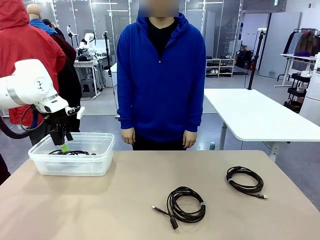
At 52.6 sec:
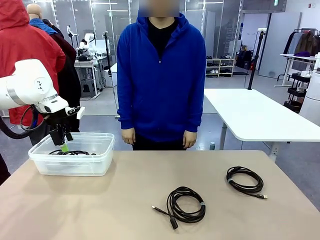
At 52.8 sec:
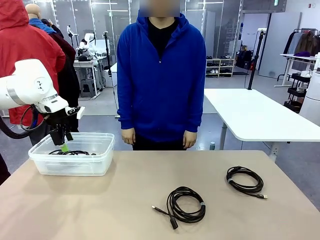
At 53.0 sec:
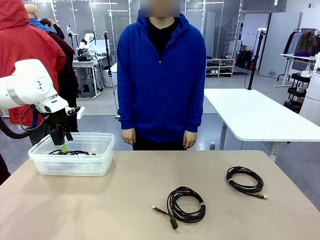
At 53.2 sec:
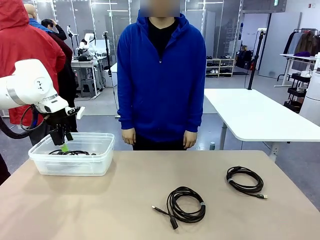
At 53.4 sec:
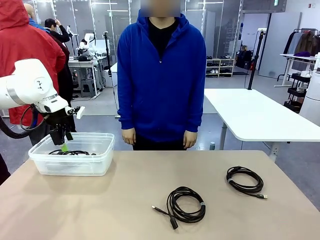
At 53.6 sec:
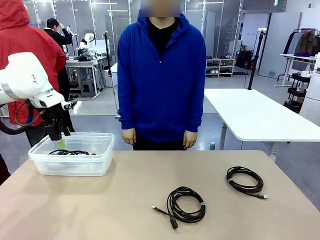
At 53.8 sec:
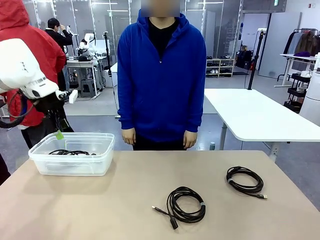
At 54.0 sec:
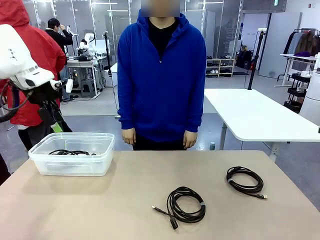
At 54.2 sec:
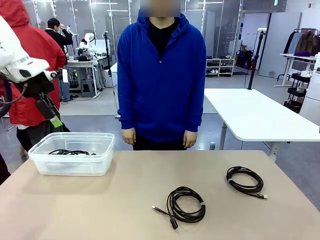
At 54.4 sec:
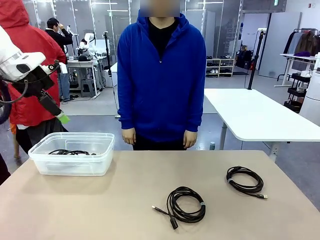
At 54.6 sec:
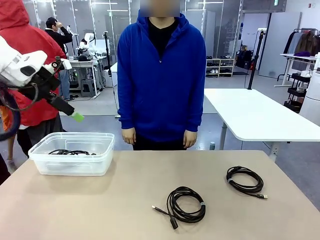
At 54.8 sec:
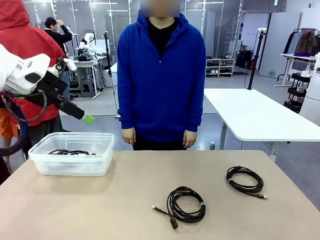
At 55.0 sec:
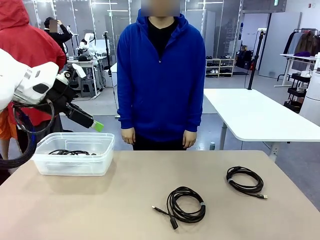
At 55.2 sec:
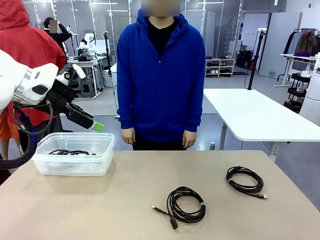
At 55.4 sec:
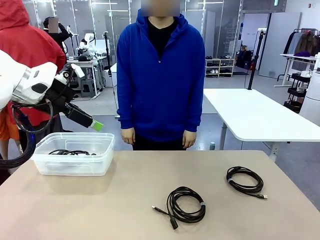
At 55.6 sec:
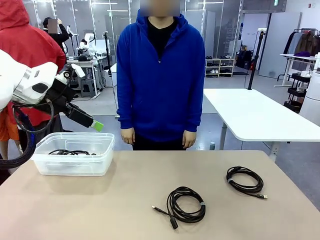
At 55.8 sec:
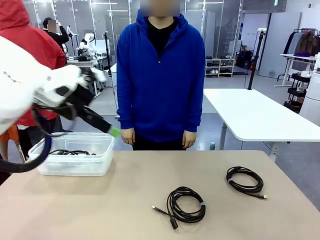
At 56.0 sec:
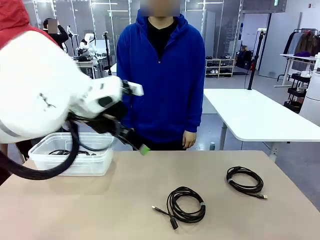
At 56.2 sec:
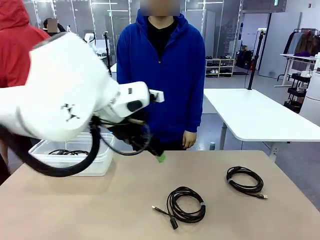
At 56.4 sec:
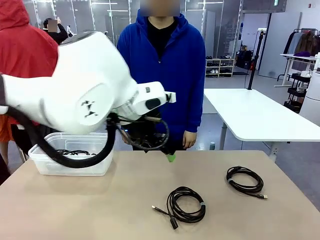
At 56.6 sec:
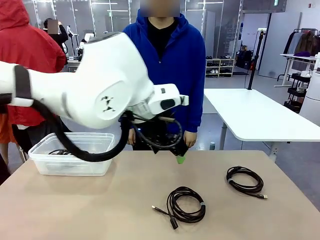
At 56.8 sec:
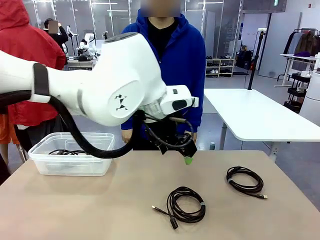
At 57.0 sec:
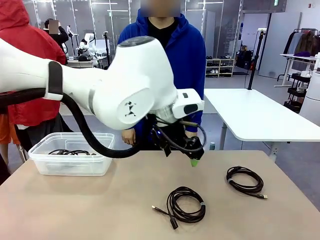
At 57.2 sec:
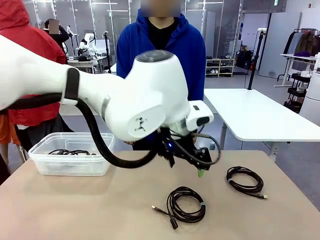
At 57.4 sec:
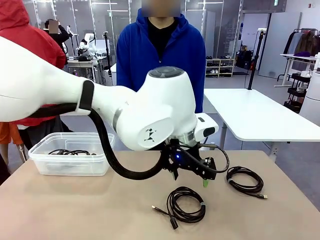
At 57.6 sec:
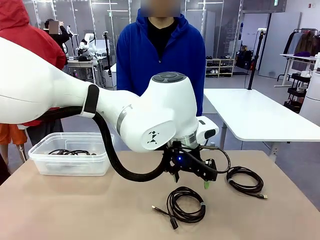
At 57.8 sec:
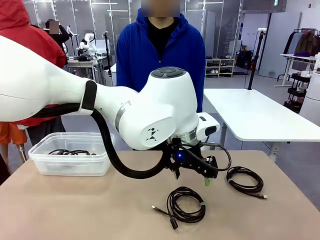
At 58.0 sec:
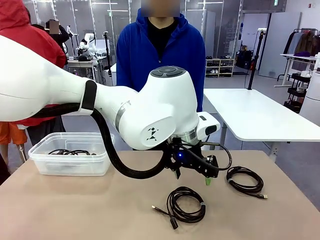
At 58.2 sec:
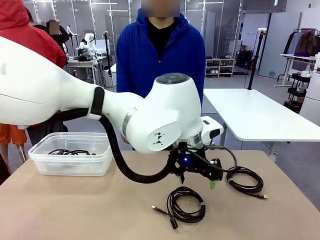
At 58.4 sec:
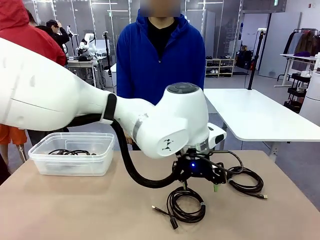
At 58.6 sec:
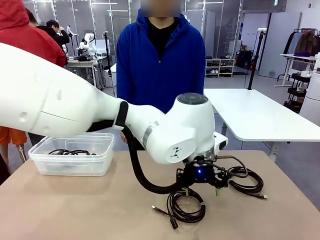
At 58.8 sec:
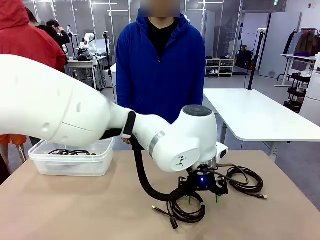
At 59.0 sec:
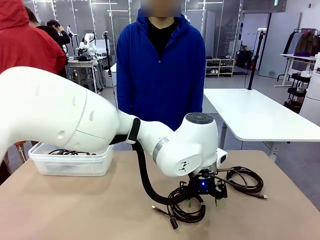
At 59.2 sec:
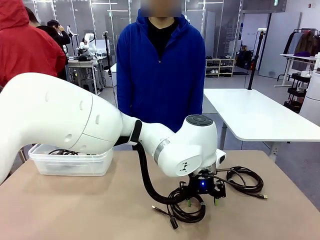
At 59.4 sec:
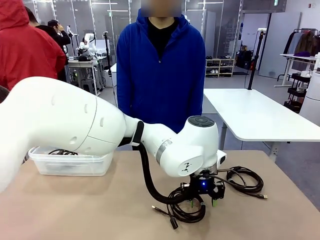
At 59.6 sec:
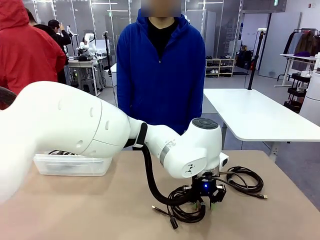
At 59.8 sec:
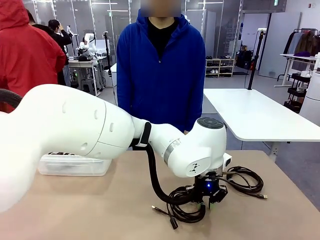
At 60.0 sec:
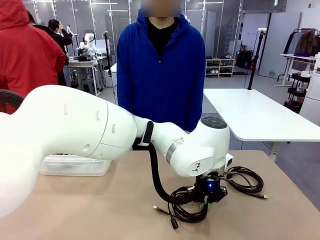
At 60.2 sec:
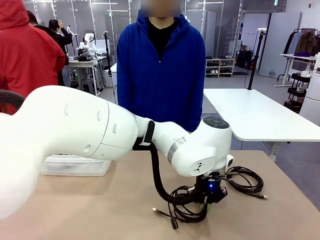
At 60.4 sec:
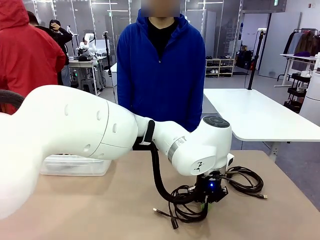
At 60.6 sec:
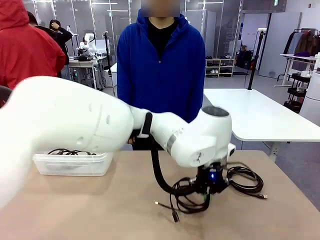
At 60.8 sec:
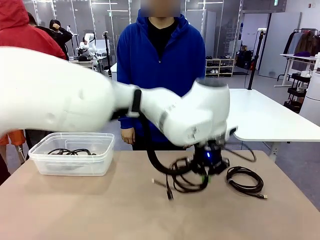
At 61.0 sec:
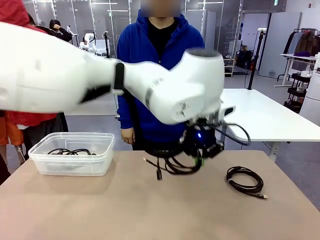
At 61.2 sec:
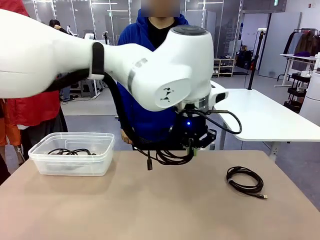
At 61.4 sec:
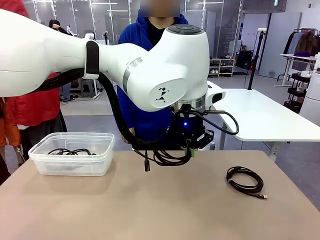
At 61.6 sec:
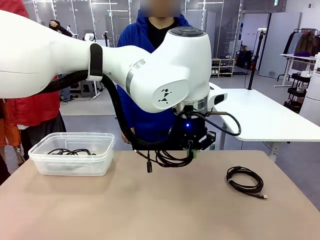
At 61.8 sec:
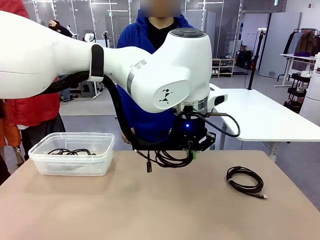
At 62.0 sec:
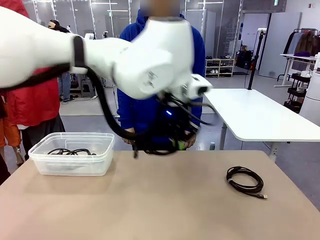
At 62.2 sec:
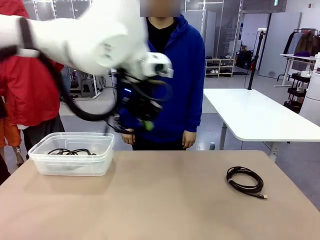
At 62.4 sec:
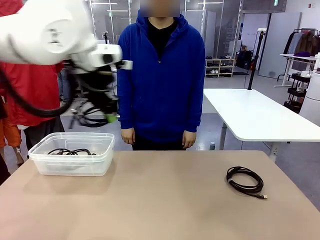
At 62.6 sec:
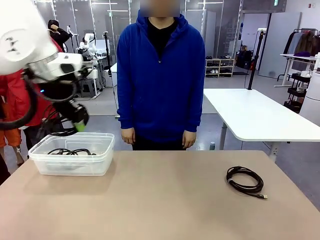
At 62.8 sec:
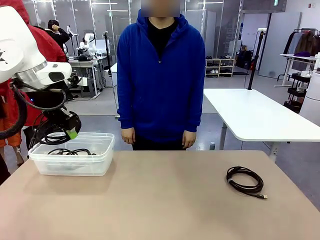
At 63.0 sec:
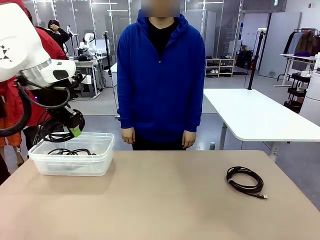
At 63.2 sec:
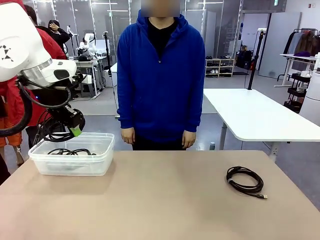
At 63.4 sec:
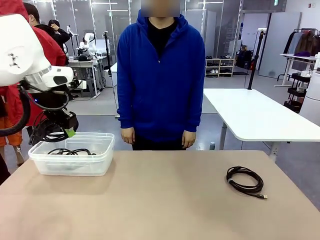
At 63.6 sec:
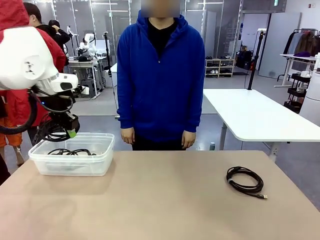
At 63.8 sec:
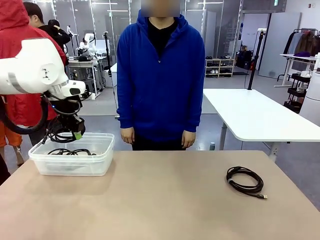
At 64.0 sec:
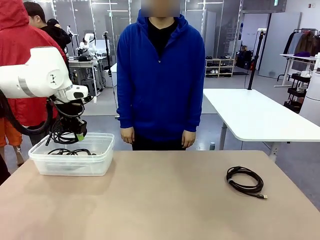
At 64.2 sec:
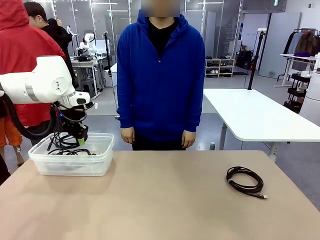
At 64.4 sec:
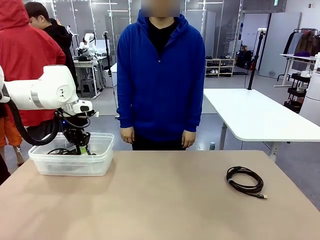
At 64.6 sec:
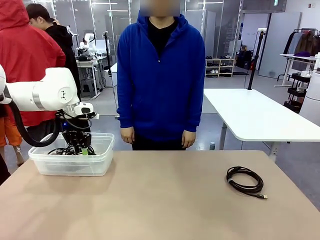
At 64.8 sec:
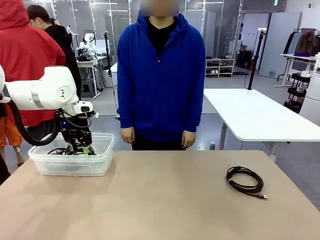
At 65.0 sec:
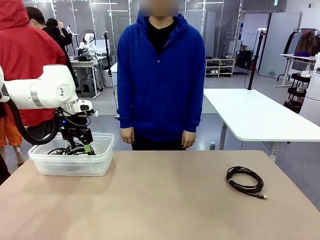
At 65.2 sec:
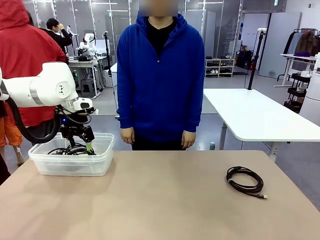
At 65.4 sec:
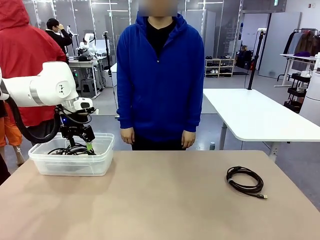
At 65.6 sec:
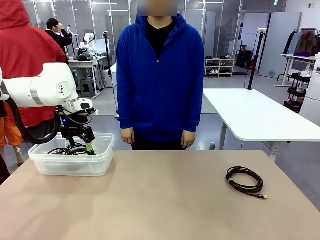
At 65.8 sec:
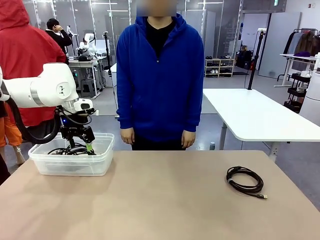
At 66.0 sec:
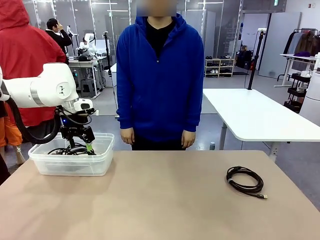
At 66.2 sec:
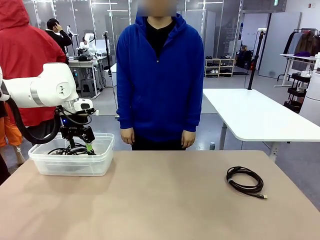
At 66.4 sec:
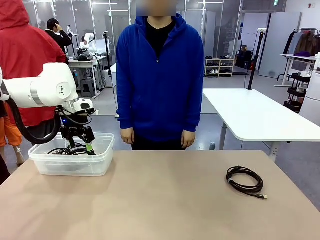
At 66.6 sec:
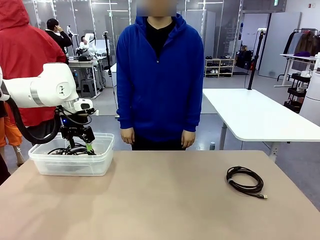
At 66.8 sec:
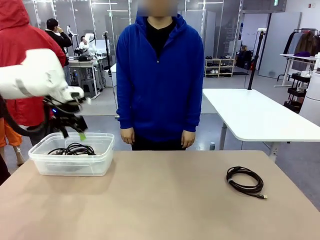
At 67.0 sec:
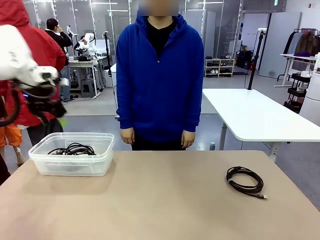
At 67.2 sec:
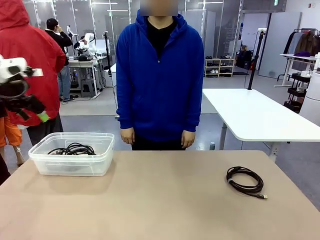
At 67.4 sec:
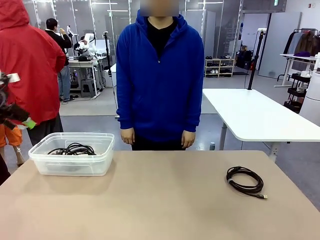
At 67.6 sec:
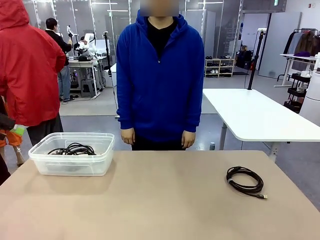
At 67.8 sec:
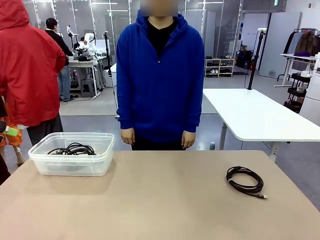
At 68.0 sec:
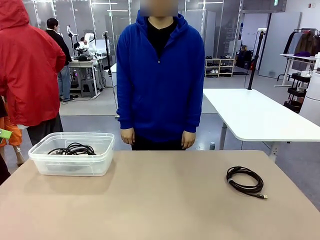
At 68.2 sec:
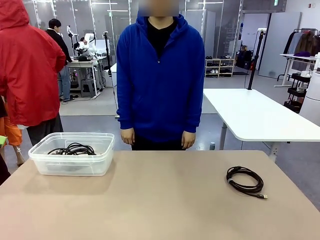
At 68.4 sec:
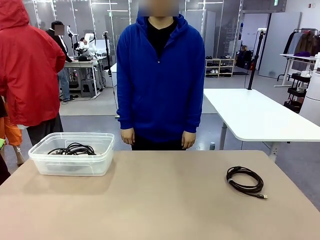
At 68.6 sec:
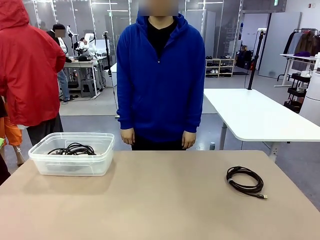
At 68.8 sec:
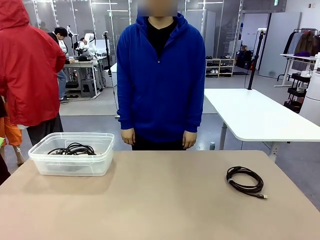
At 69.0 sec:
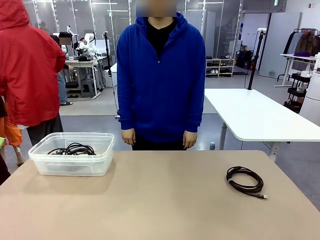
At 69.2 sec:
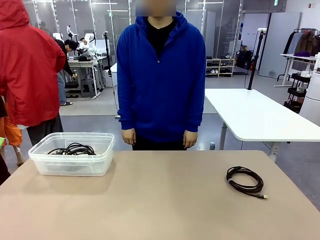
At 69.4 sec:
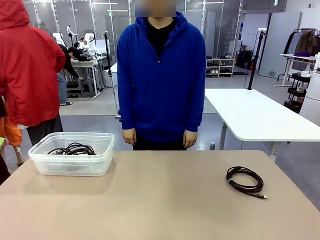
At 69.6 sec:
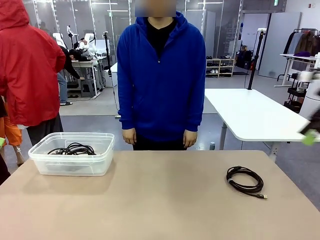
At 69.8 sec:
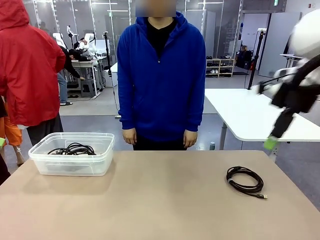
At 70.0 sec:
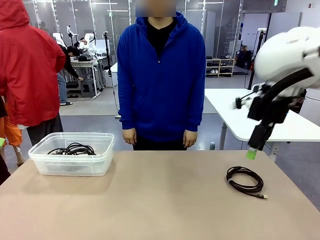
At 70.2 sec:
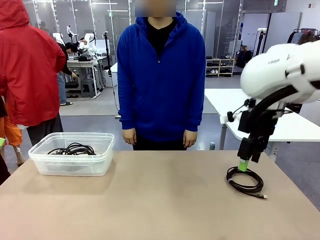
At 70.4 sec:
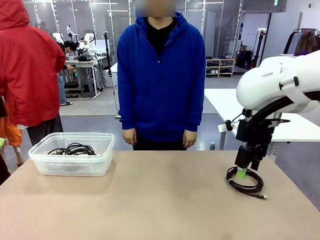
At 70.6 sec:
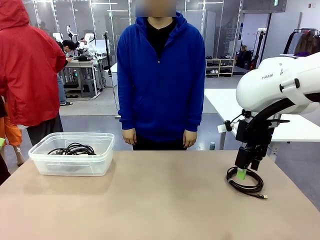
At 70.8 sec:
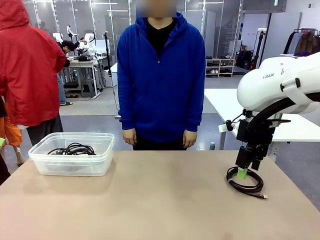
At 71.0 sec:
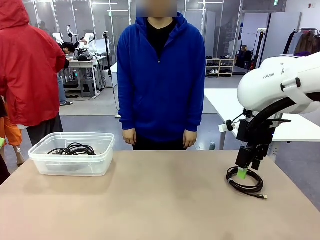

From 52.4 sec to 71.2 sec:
Task: Organize and store the cables.
Robot: Place the USB Extension Cable into the Organizing box.
